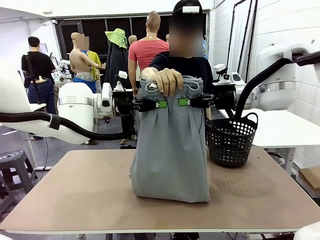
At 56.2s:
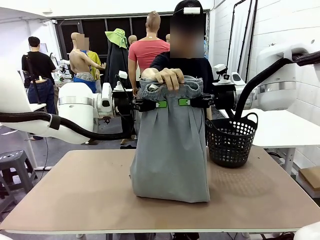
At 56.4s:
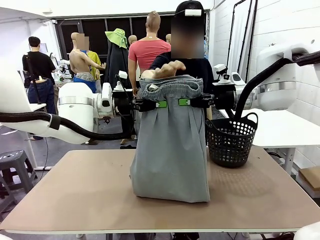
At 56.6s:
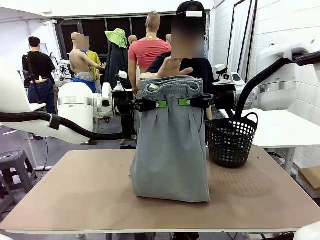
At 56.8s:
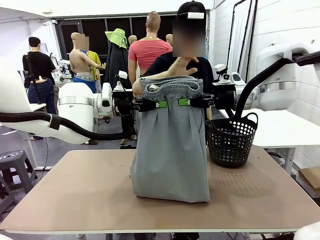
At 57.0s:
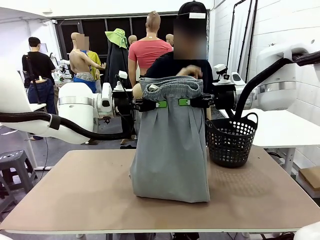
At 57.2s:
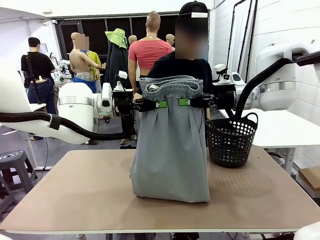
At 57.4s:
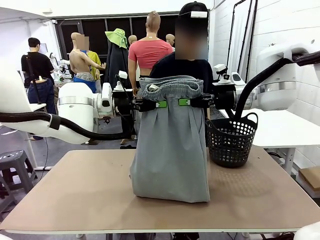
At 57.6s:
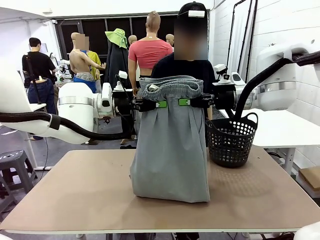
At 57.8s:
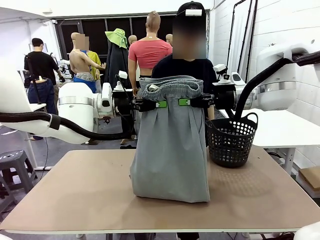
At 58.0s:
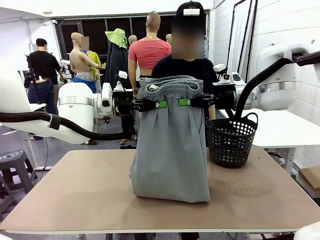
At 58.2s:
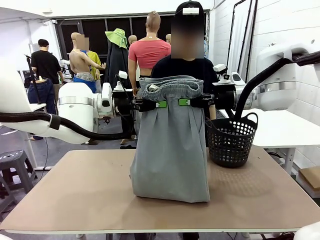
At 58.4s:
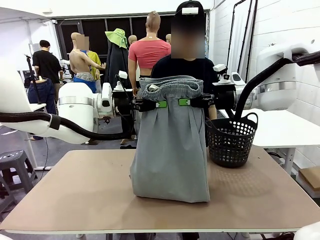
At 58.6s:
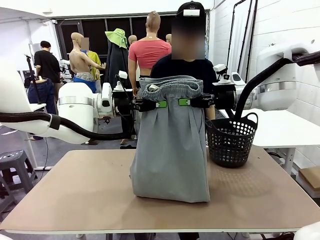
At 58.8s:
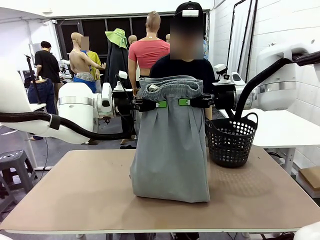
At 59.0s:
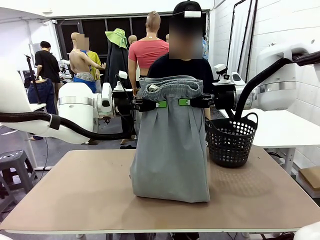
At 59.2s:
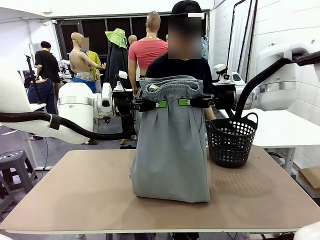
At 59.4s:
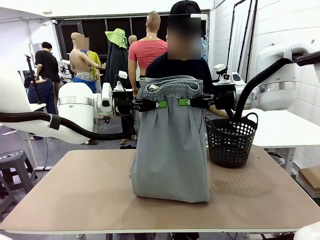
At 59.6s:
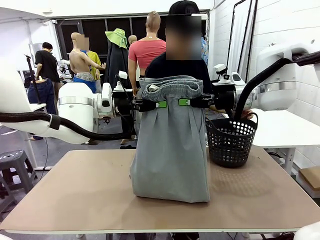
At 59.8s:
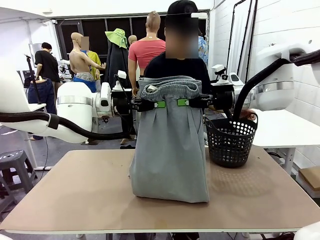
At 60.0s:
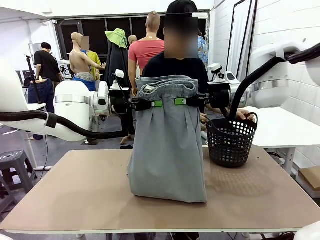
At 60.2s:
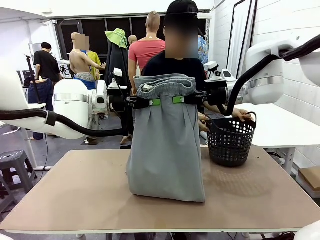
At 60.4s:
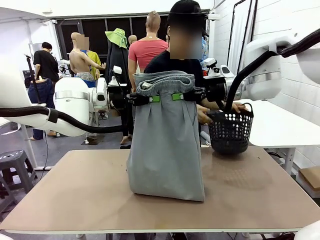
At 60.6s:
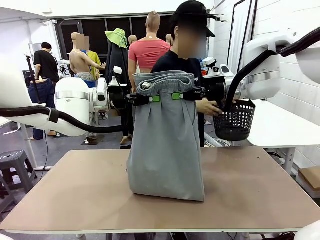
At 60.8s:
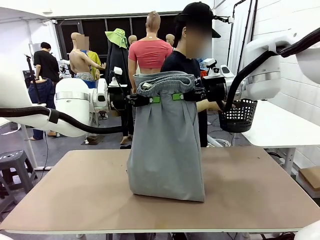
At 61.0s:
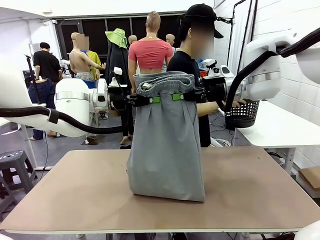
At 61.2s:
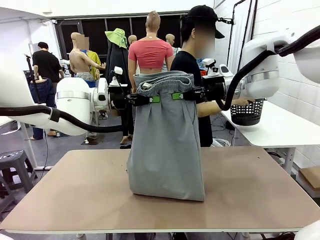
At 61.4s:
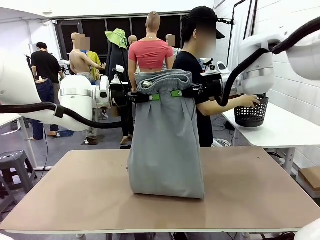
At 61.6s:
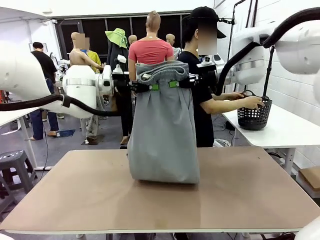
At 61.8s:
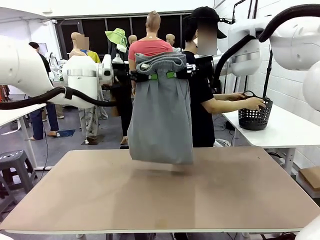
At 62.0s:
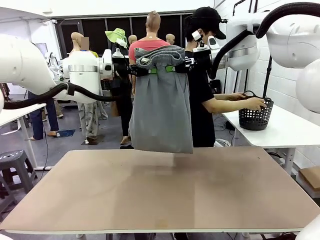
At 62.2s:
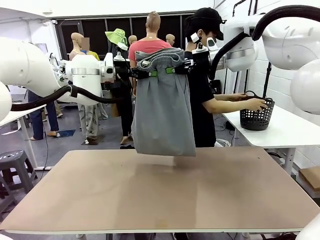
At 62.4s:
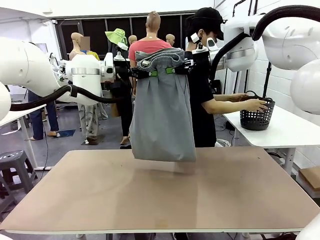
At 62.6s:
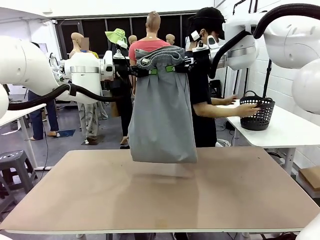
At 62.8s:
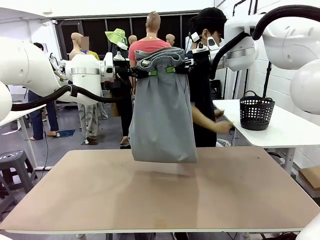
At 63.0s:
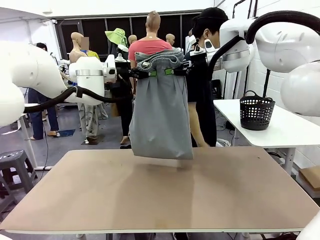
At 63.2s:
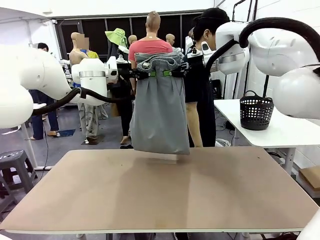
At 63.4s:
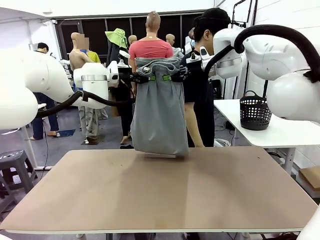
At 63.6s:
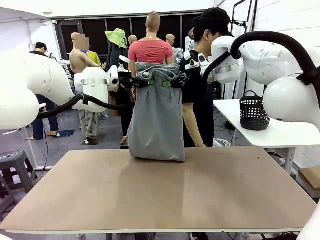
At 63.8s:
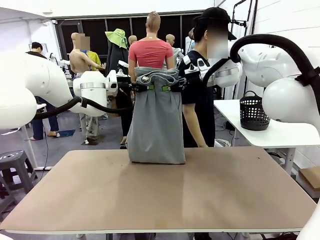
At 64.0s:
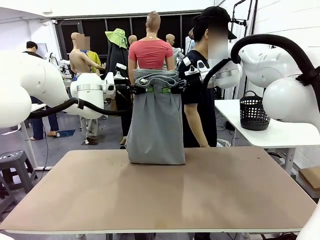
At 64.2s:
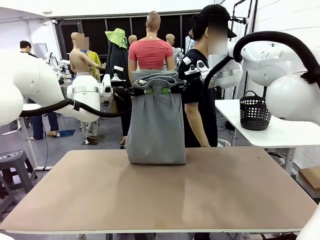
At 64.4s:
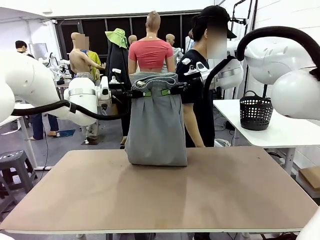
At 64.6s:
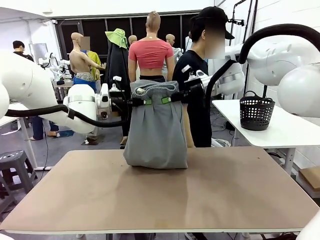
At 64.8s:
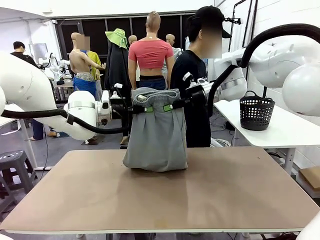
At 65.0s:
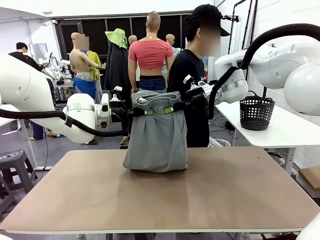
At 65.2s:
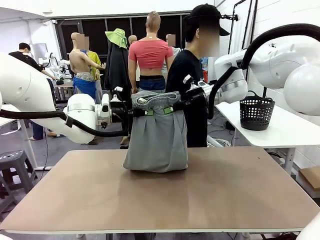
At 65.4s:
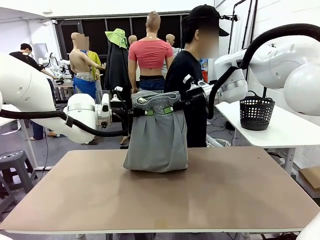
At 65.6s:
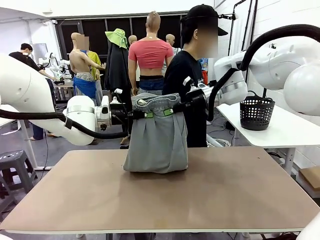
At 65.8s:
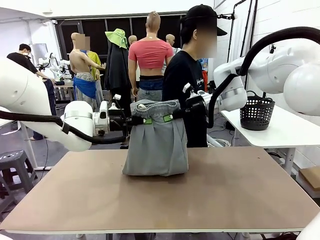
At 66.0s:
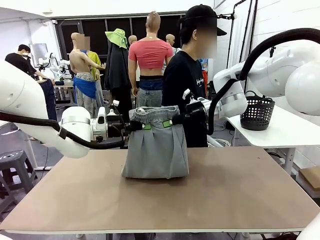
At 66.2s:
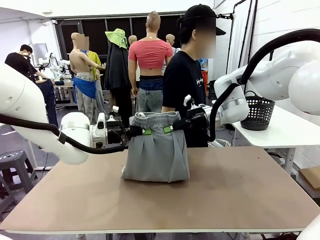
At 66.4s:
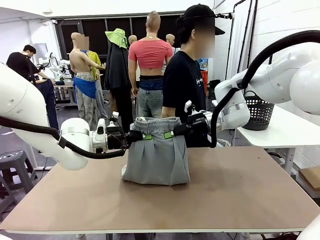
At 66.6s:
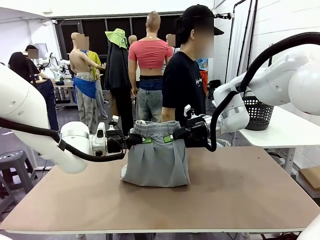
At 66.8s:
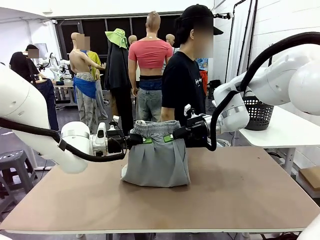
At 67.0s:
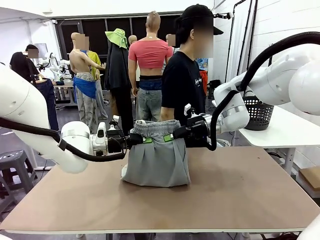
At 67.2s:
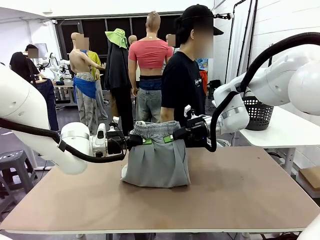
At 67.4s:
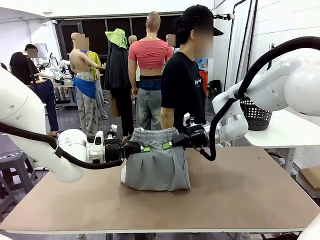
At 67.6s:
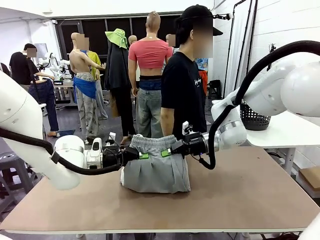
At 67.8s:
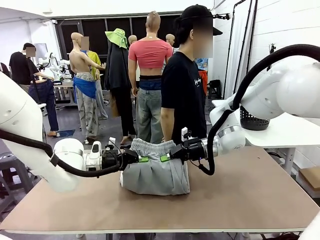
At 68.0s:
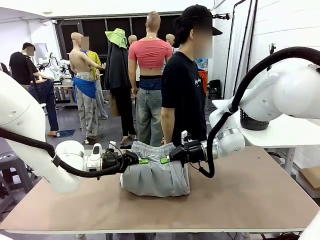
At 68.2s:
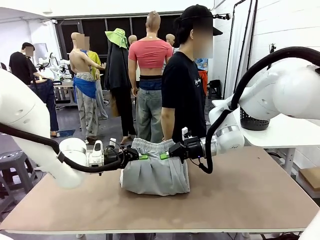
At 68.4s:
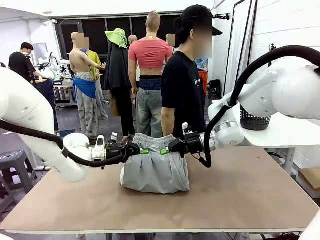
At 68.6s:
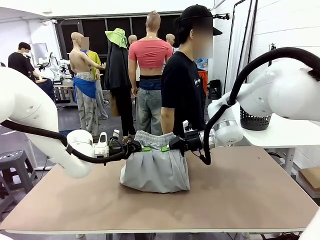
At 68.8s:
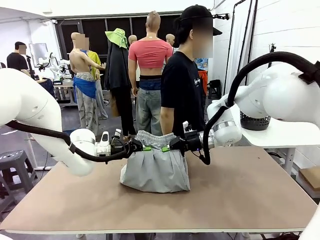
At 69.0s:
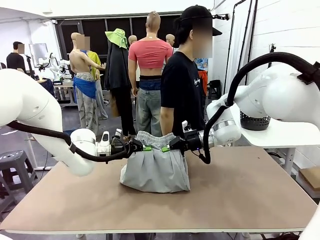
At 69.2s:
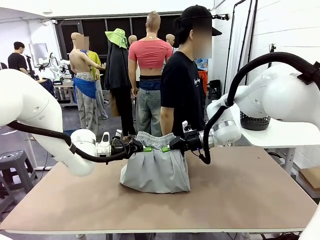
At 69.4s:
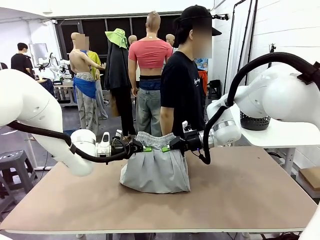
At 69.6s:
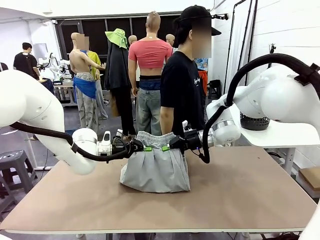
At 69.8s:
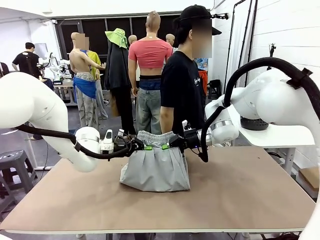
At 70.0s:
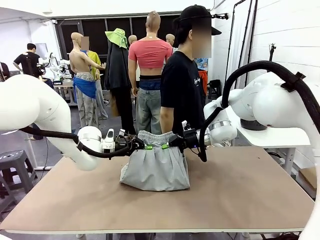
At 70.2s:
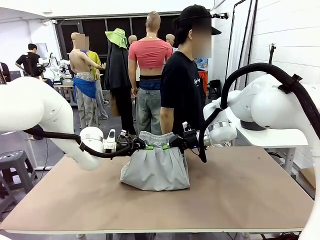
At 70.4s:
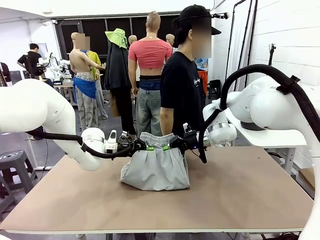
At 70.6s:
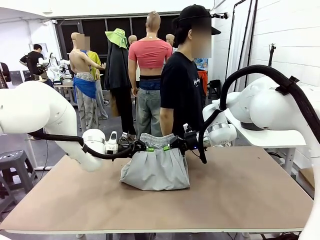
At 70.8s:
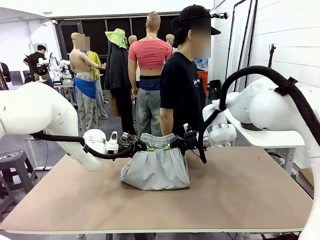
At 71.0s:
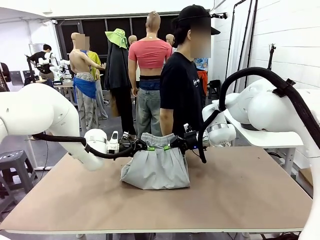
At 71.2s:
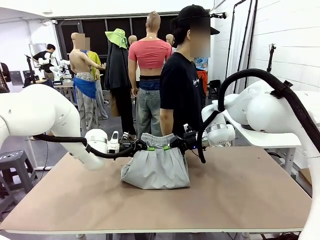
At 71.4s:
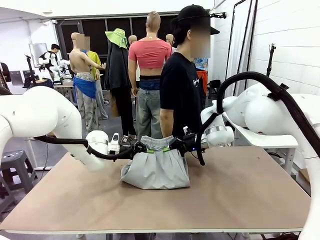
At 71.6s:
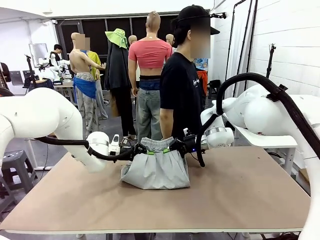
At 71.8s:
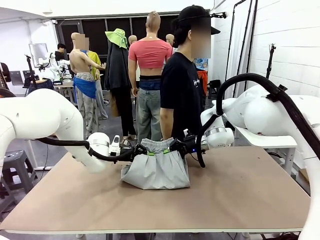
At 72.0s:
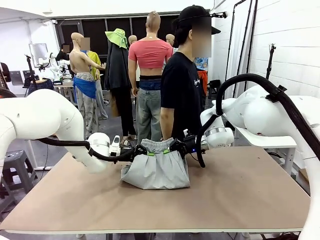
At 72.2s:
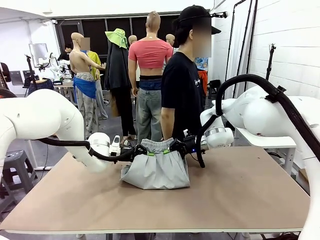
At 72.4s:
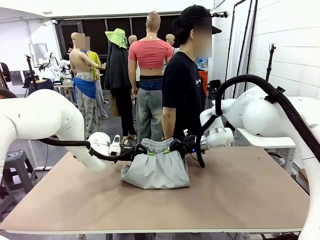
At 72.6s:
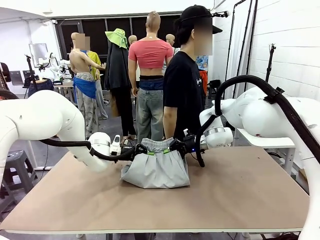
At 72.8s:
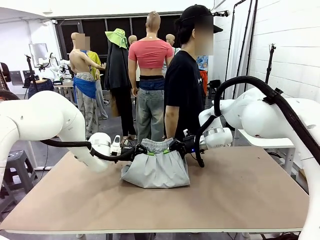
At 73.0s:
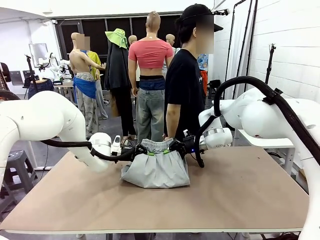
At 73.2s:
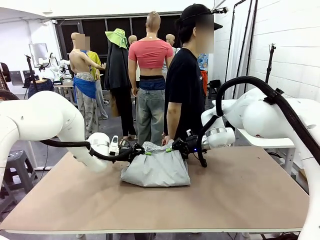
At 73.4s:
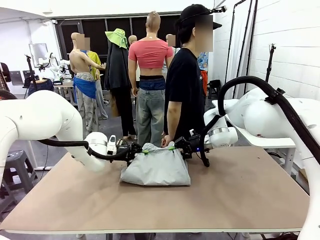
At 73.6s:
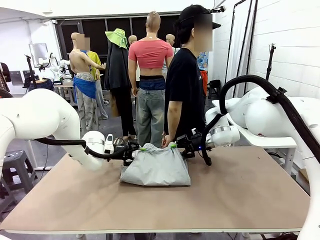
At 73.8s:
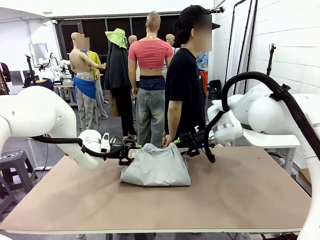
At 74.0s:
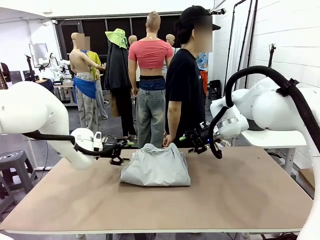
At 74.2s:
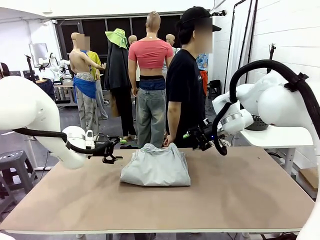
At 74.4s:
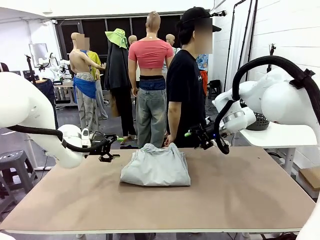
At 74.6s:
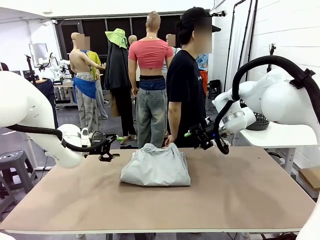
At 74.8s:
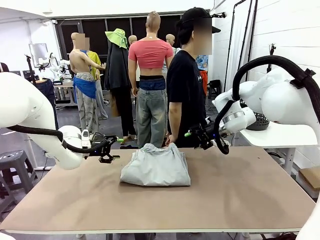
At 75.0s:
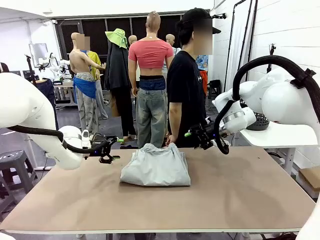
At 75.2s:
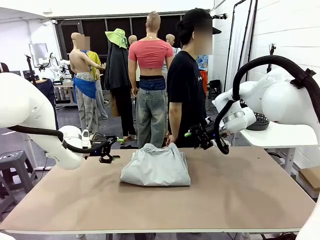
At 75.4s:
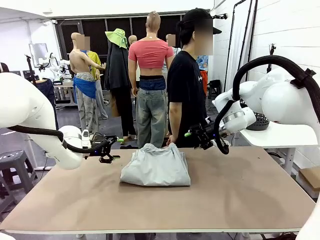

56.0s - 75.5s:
Task: Fold the training pants.
Robot: Fold the Training pants in half.
Person: Move the laundry basket to the right of the human table.
